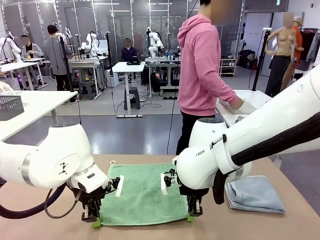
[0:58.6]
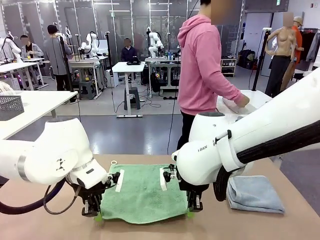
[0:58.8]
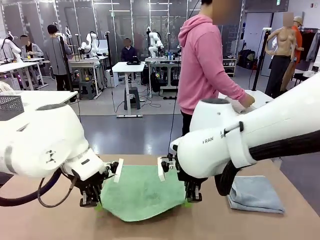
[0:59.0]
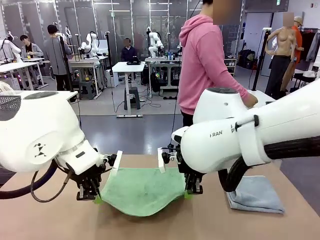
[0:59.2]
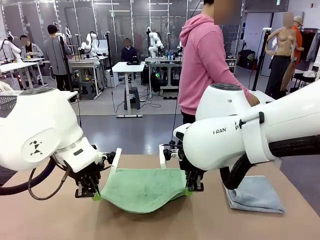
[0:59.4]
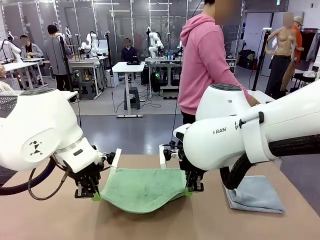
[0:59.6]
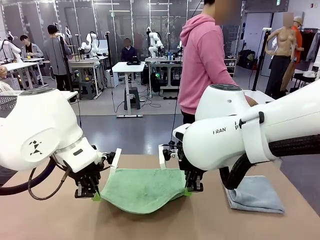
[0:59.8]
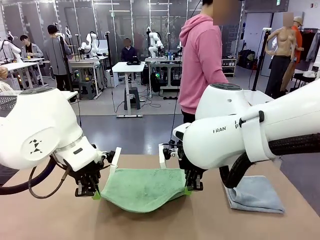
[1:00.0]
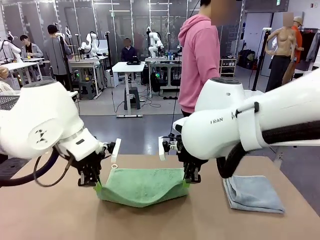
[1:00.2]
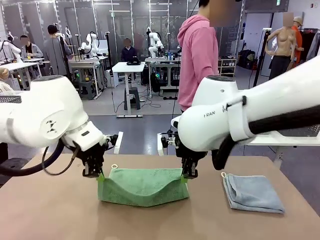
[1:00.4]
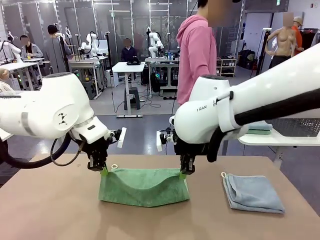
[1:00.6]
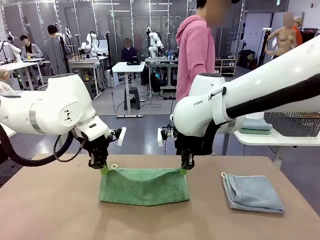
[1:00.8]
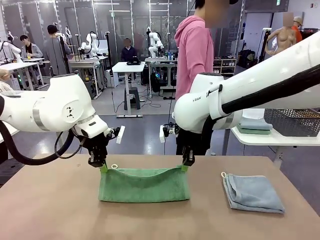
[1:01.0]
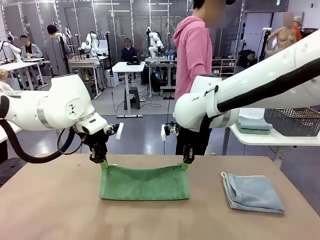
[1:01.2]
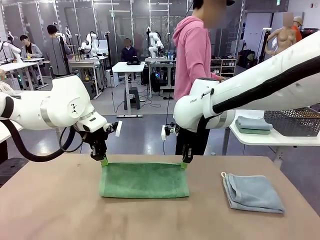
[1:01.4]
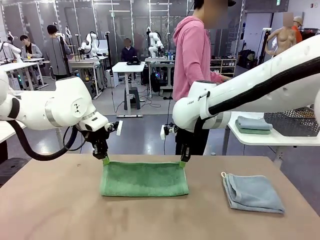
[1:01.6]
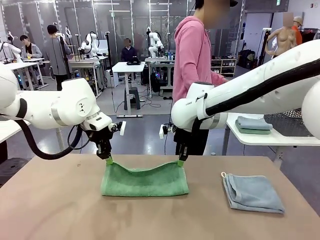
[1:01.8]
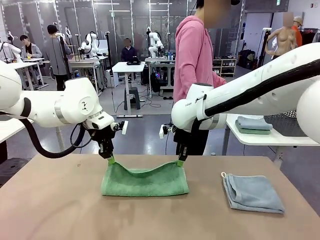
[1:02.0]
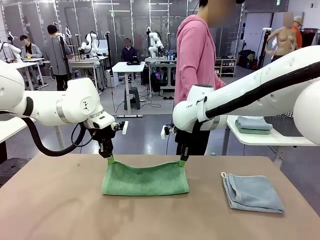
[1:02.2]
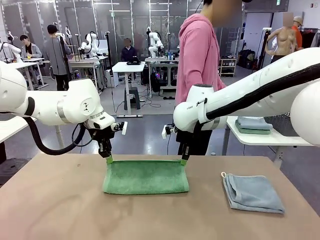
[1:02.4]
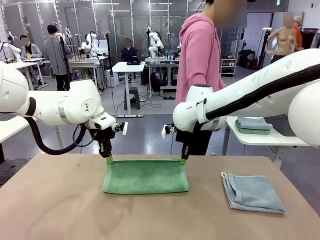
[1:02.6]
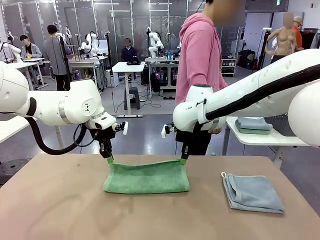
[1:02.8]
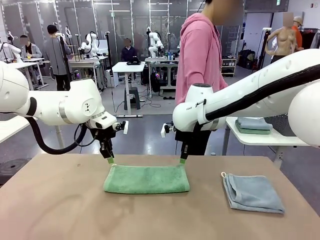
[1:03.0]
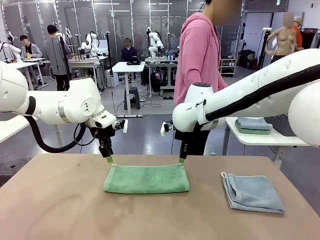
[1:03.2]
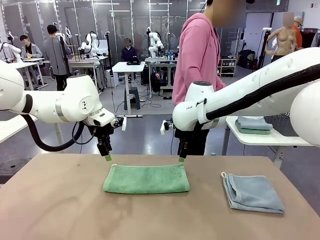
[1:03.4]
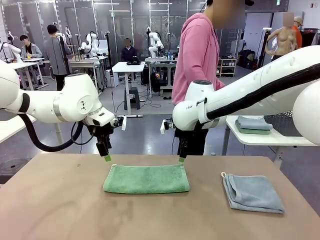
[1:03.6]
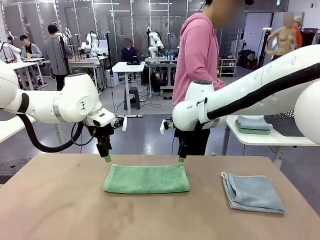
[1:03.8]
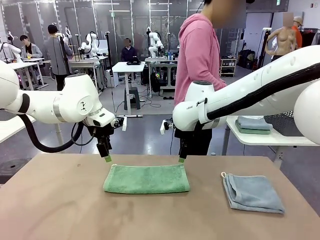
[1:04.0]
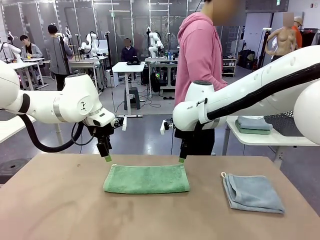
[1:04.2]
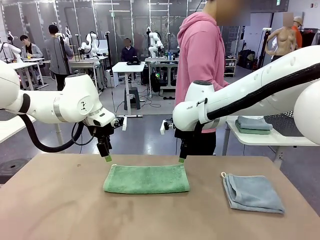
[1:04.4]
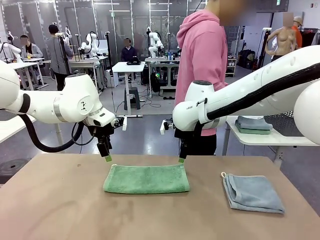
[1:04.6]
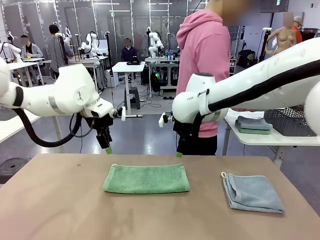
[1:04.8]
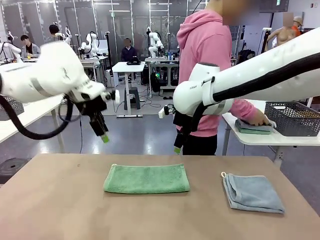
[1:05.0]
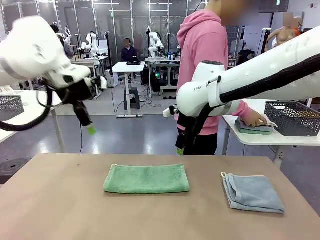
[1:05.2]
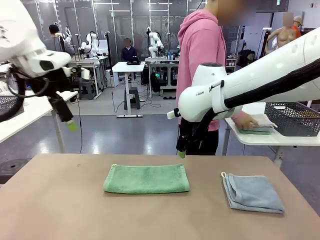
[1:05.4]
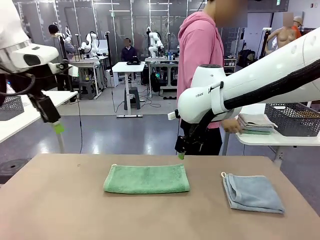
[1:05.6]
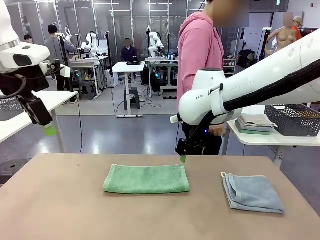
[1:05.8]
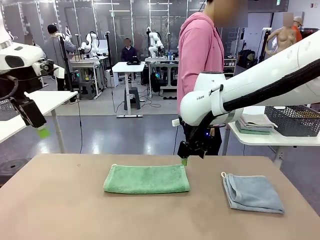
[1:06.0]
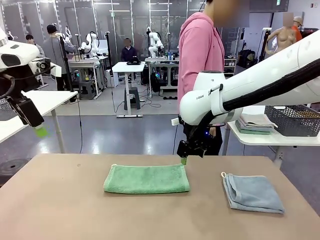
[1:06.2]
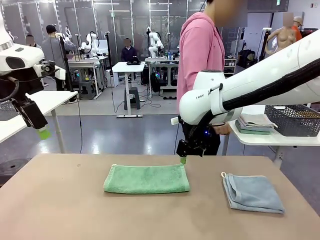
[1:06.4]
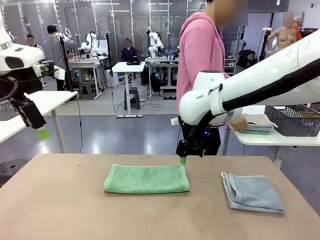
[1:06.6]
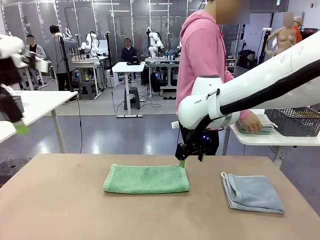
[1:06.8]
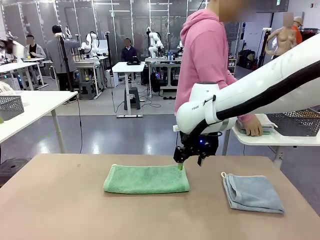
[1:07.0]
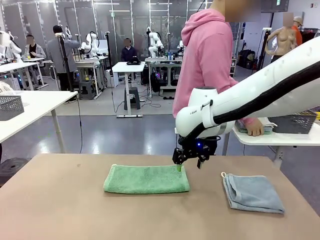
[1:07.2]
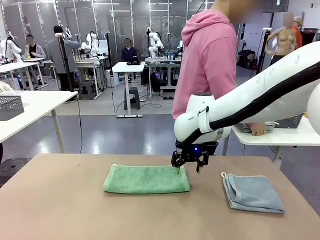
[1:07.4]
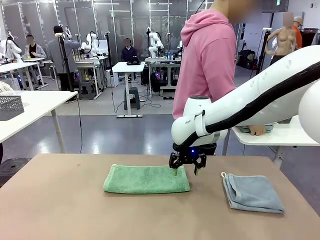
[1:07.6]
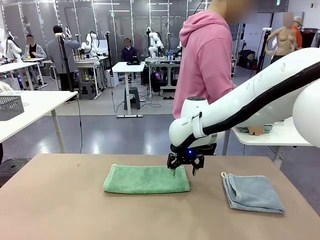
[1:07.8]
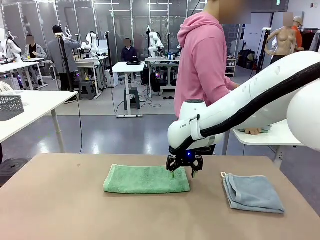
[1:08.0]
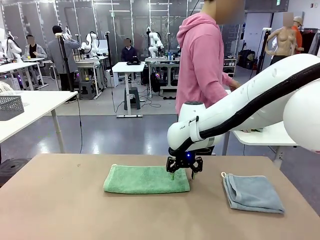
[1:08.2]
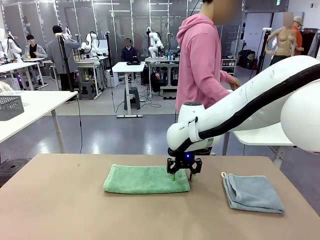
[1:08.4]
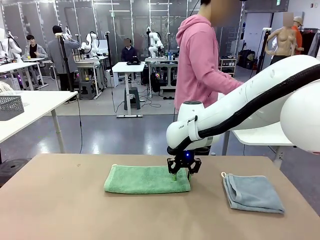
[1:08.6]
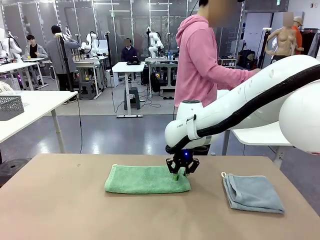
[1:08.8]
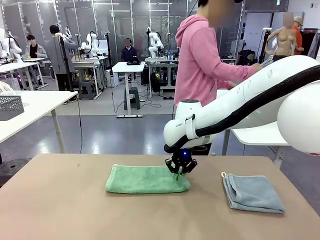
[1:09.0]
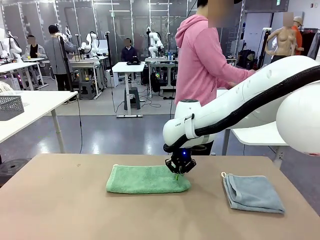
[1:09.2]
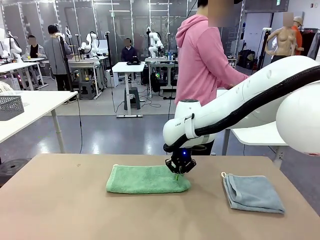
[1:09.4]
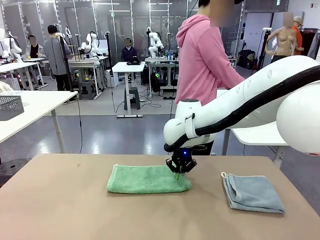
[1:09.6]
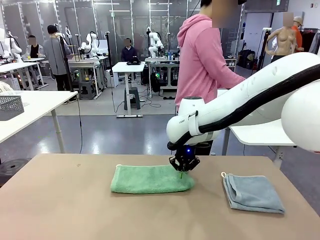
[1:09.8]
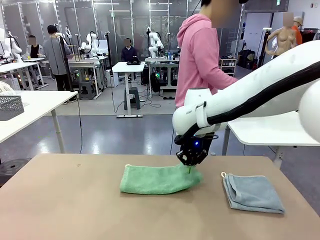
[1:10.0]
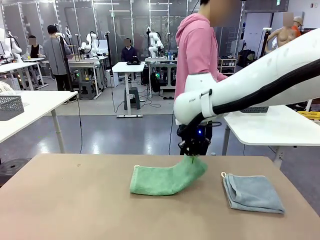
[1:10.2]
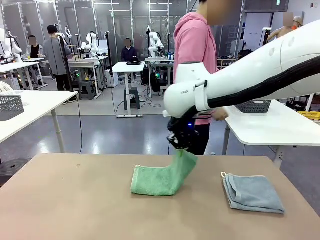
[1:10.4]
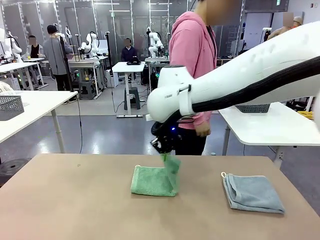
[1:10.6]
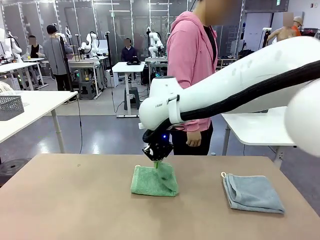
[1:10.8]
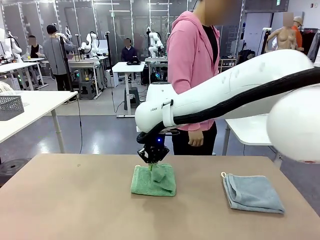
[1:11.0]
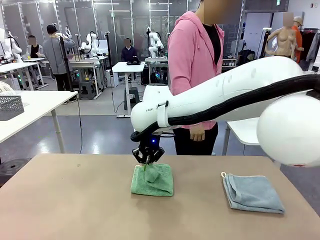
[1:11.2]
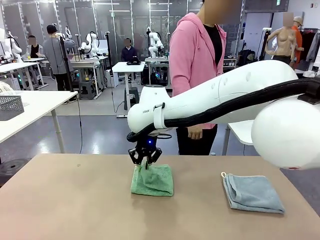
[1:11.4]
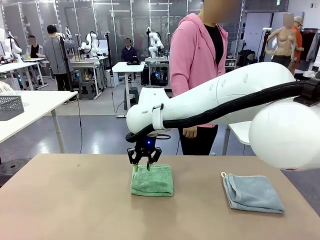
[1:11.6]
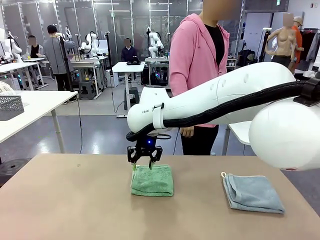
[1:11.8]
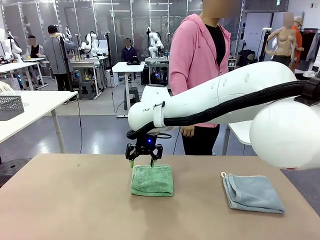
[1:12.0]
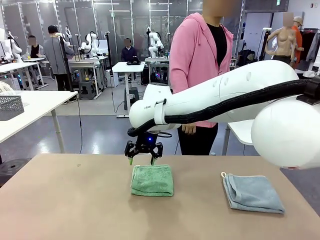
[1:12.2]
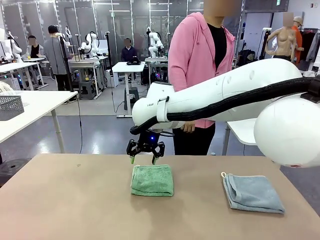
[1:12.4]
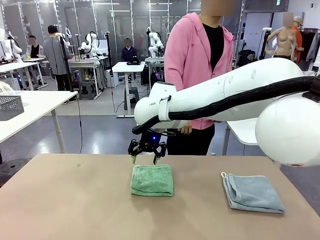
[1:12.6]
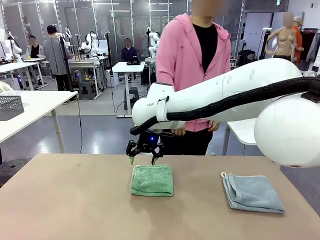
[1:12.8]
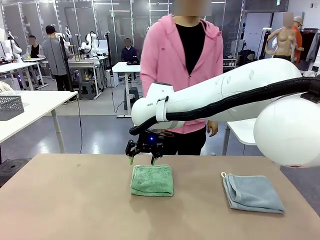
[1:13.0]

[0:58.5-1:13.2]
Task: Fold the towels and place them in the basket.
Robot: When a person lays out a Towel with hook on the table, fold it in half twice.
Person: Pick up the stack of towels from the right side of the human table, place it into the basket, and put the basket at the center of the table.
